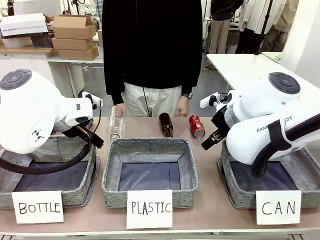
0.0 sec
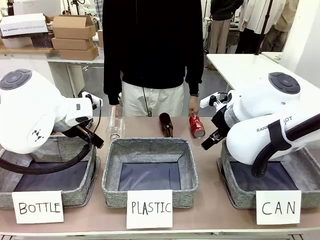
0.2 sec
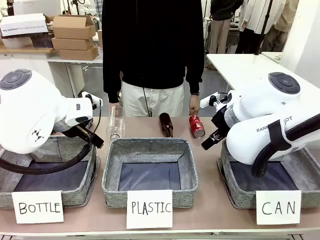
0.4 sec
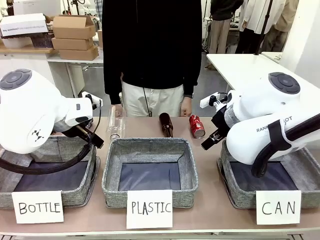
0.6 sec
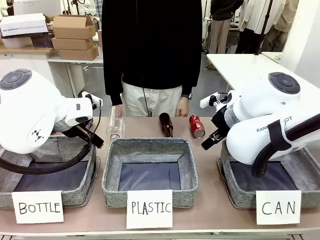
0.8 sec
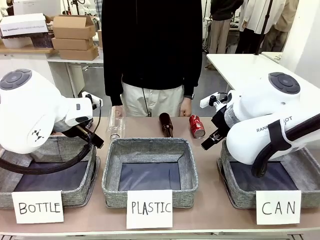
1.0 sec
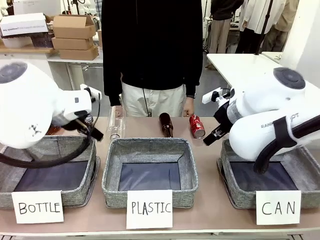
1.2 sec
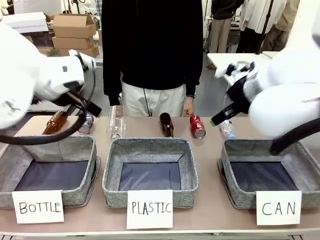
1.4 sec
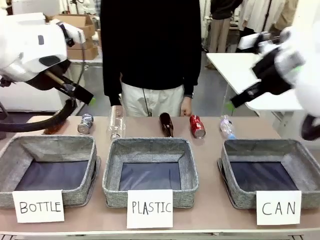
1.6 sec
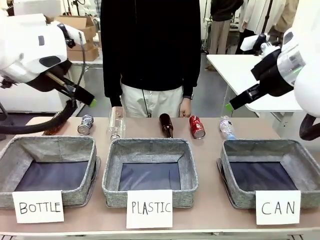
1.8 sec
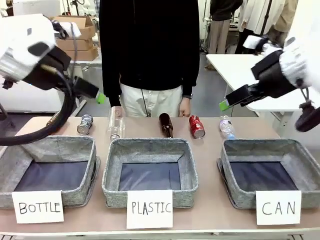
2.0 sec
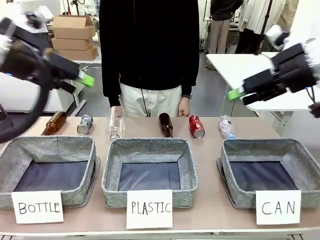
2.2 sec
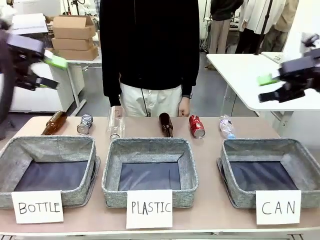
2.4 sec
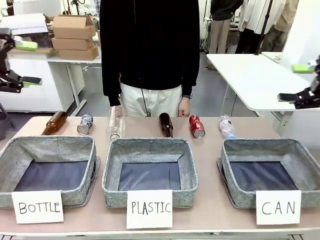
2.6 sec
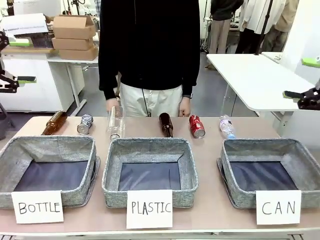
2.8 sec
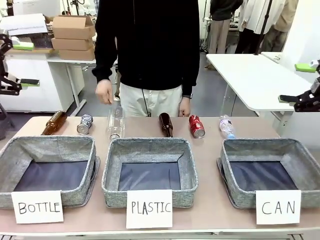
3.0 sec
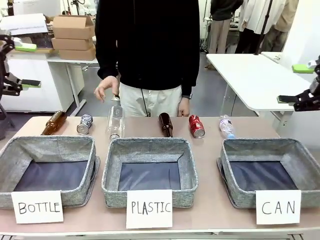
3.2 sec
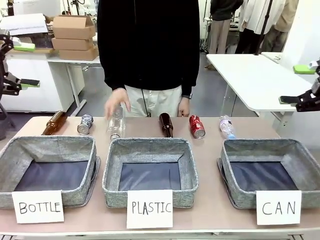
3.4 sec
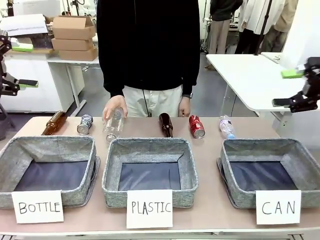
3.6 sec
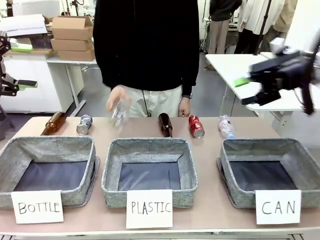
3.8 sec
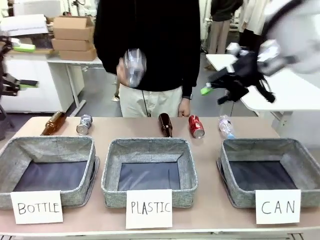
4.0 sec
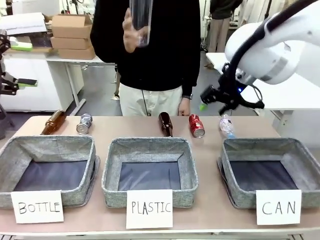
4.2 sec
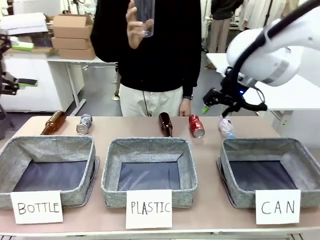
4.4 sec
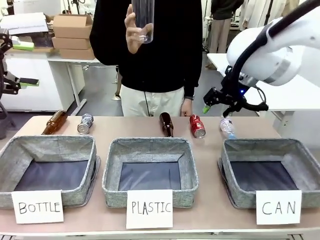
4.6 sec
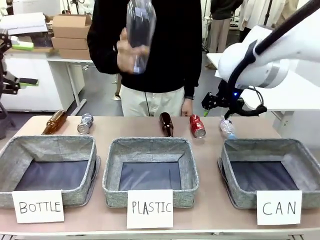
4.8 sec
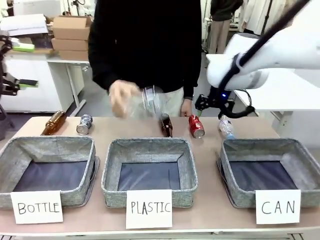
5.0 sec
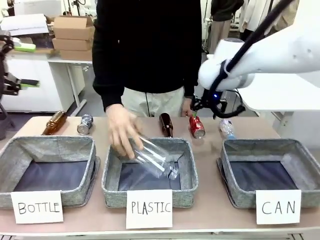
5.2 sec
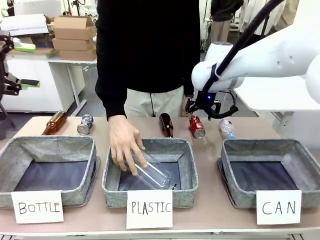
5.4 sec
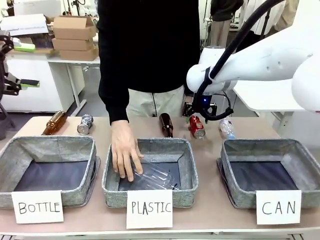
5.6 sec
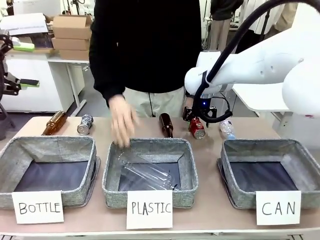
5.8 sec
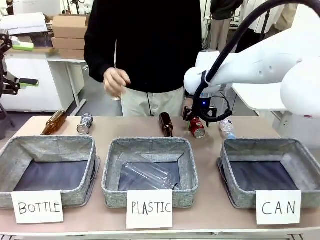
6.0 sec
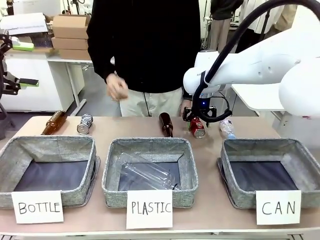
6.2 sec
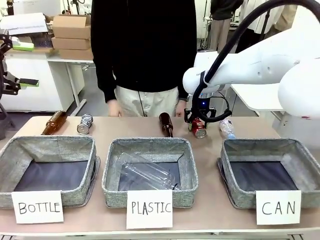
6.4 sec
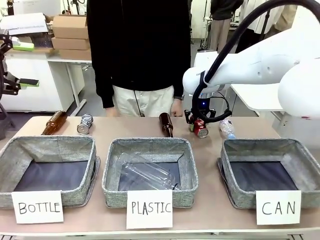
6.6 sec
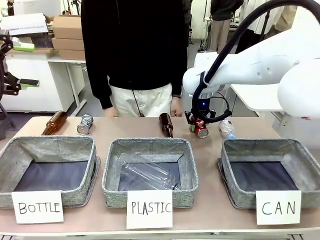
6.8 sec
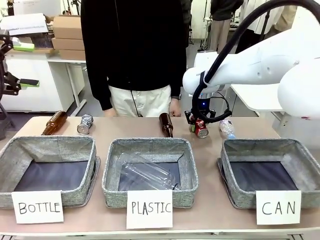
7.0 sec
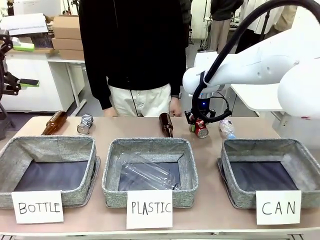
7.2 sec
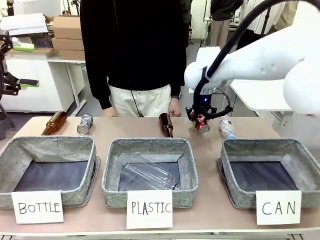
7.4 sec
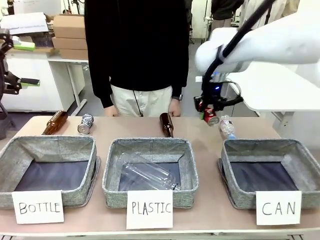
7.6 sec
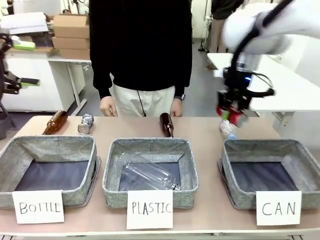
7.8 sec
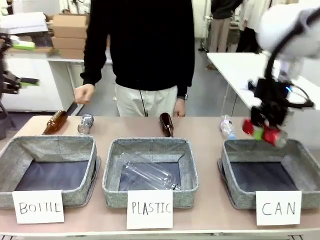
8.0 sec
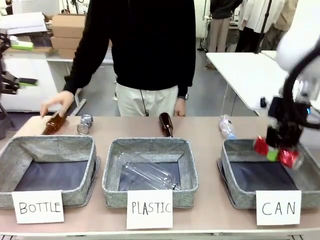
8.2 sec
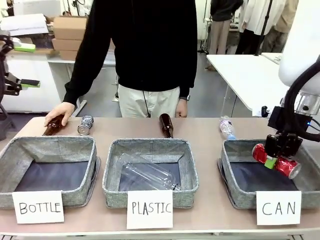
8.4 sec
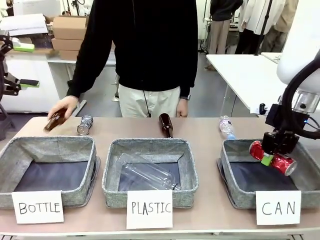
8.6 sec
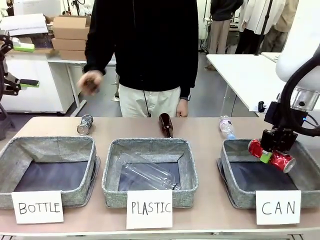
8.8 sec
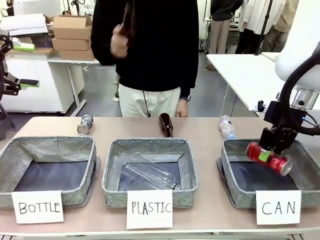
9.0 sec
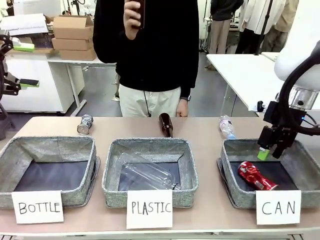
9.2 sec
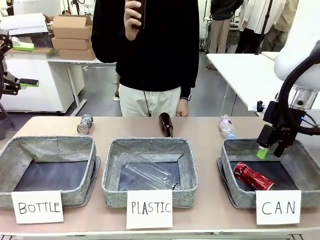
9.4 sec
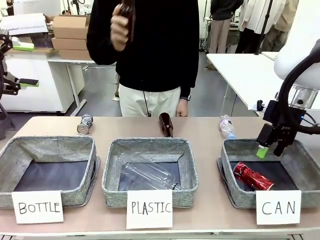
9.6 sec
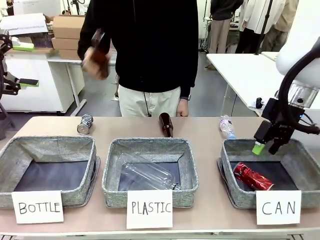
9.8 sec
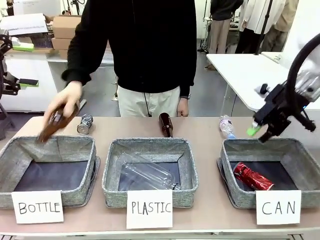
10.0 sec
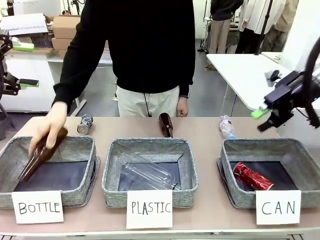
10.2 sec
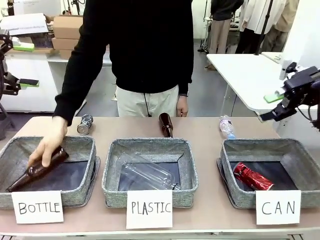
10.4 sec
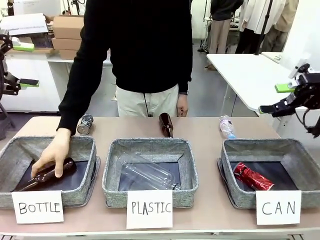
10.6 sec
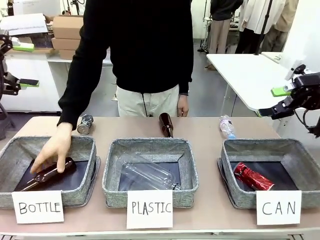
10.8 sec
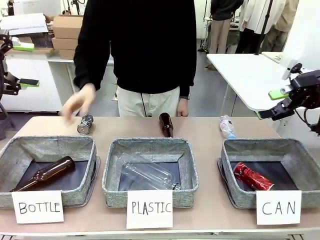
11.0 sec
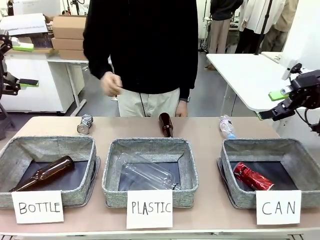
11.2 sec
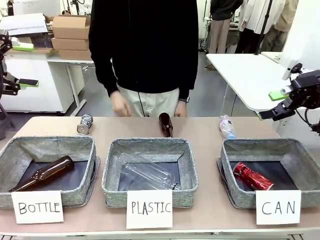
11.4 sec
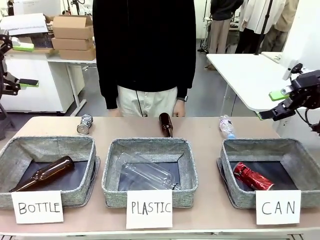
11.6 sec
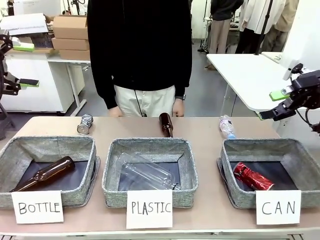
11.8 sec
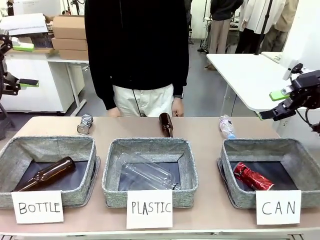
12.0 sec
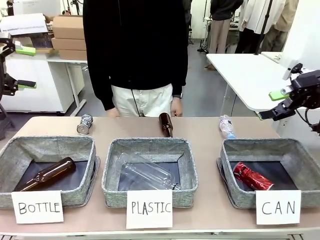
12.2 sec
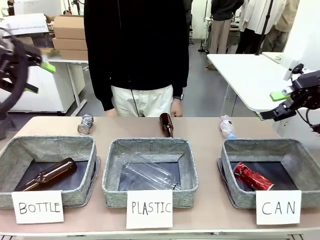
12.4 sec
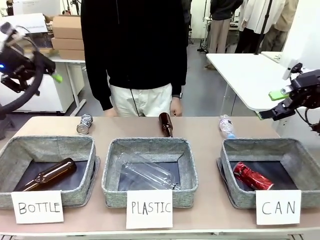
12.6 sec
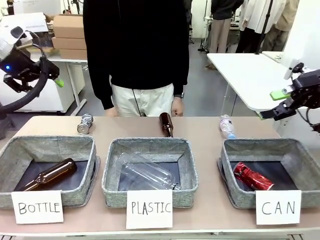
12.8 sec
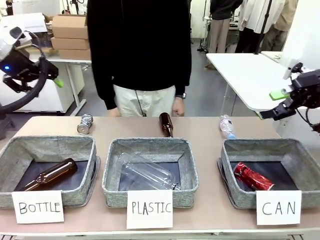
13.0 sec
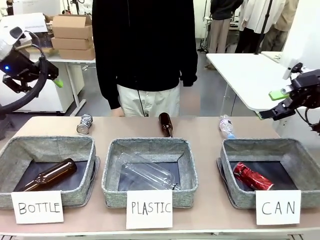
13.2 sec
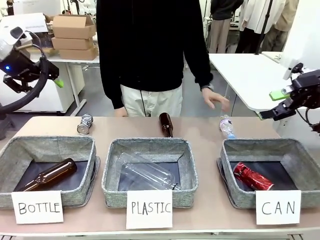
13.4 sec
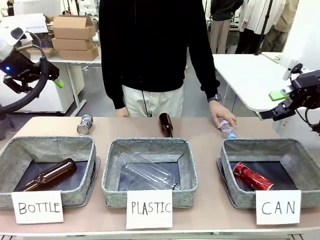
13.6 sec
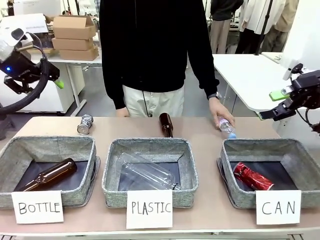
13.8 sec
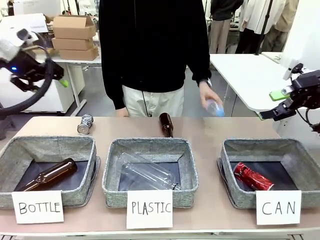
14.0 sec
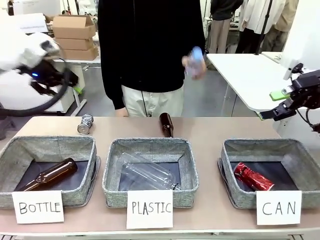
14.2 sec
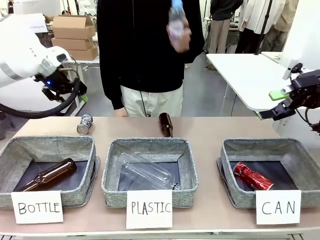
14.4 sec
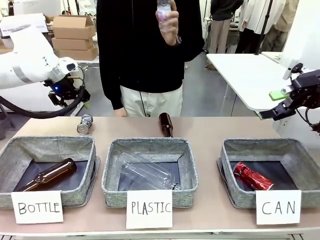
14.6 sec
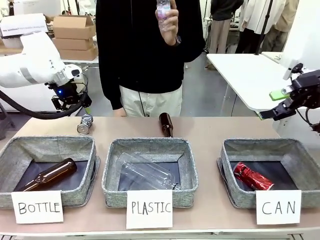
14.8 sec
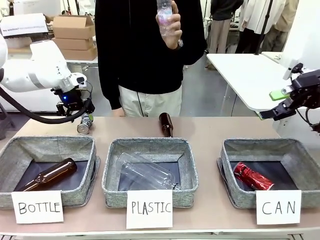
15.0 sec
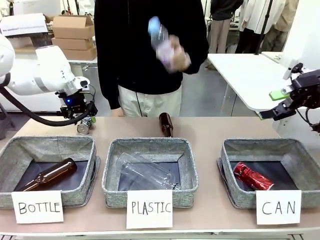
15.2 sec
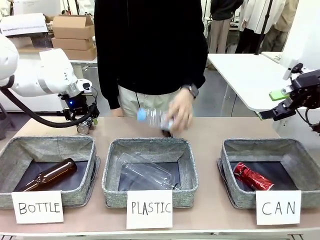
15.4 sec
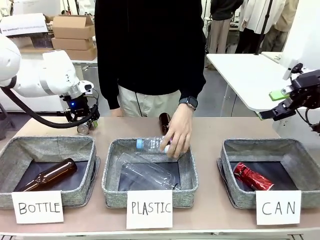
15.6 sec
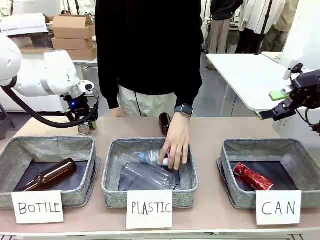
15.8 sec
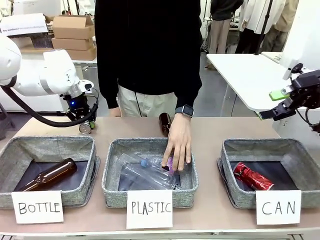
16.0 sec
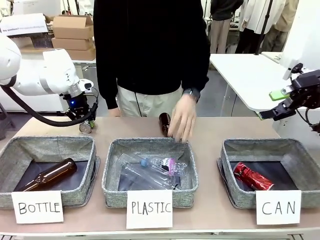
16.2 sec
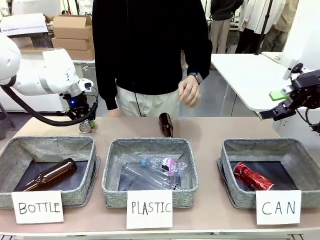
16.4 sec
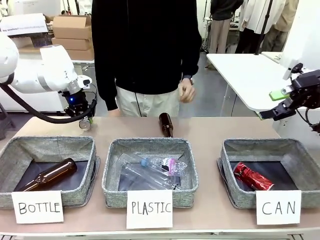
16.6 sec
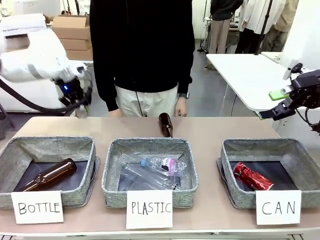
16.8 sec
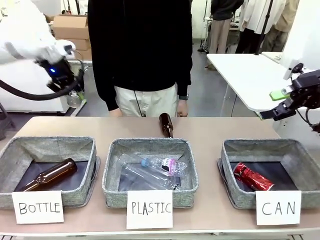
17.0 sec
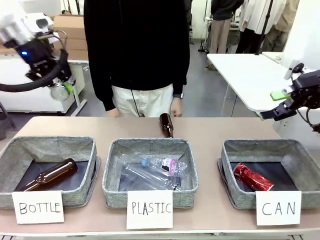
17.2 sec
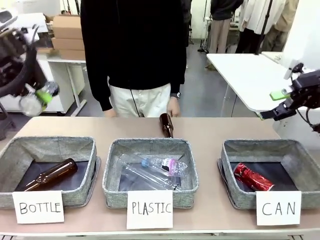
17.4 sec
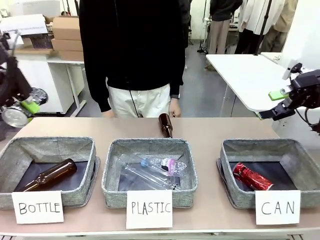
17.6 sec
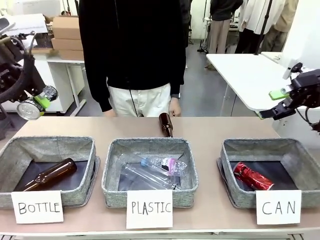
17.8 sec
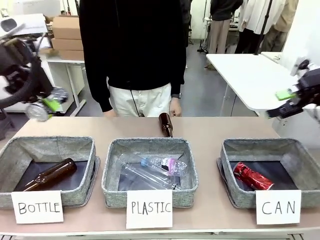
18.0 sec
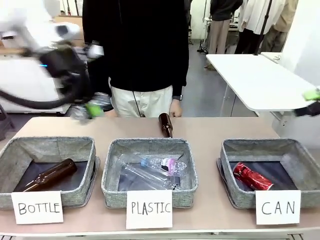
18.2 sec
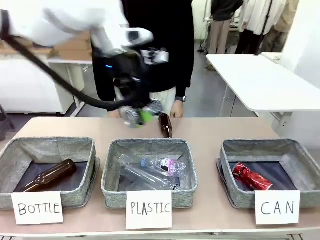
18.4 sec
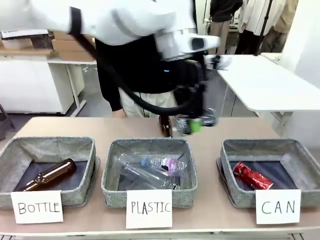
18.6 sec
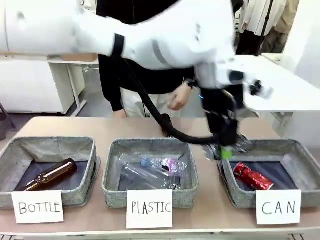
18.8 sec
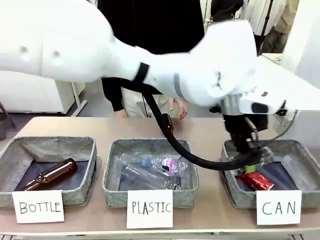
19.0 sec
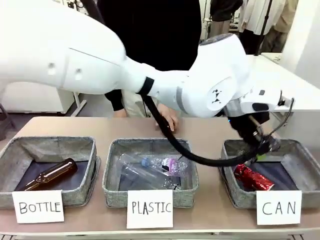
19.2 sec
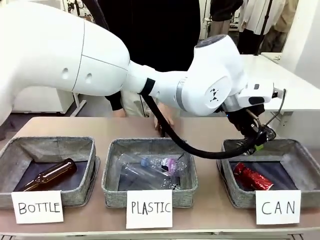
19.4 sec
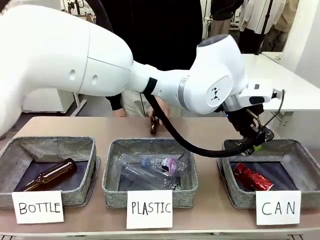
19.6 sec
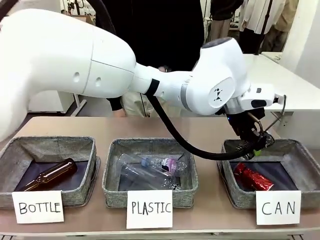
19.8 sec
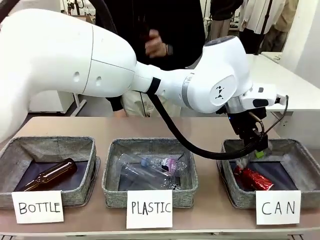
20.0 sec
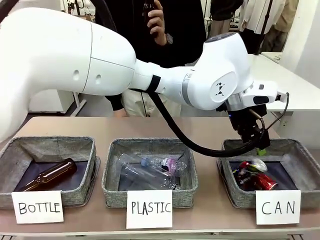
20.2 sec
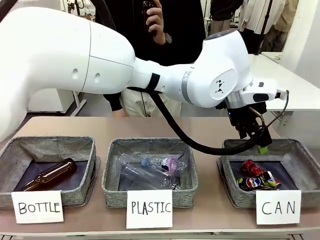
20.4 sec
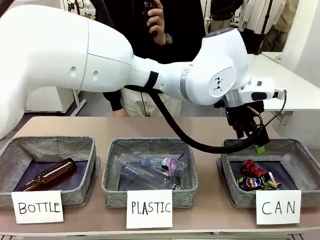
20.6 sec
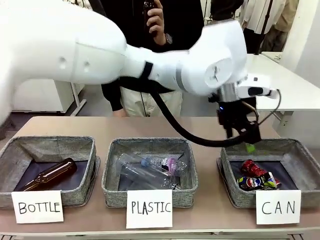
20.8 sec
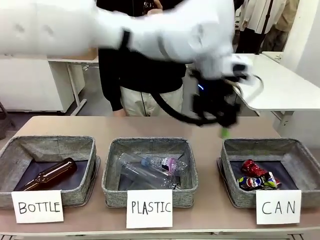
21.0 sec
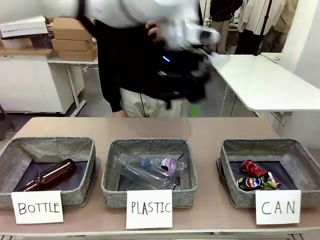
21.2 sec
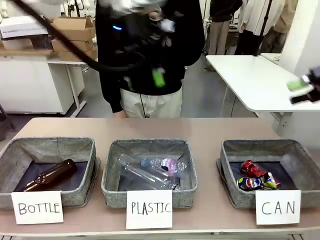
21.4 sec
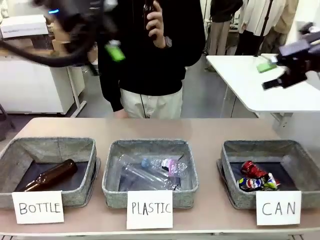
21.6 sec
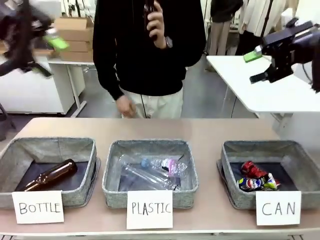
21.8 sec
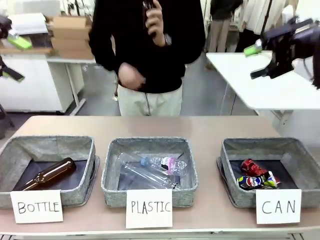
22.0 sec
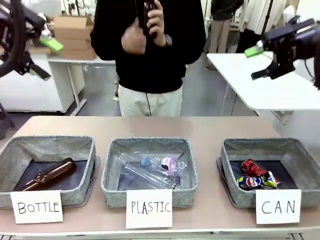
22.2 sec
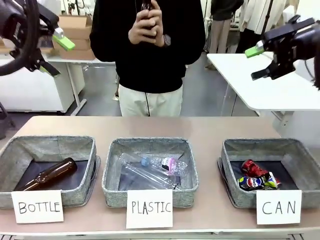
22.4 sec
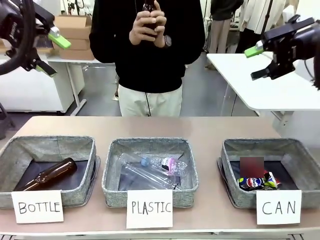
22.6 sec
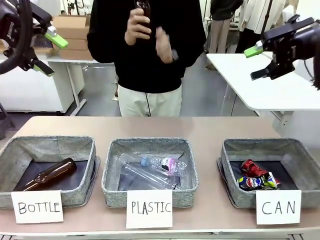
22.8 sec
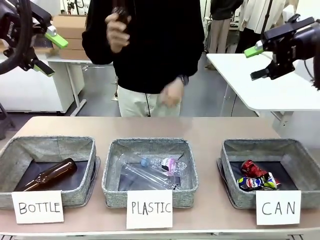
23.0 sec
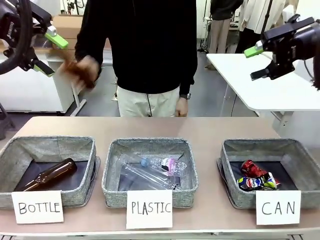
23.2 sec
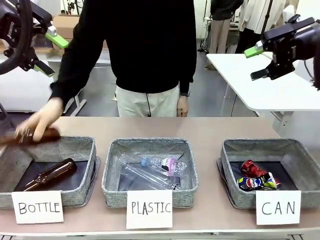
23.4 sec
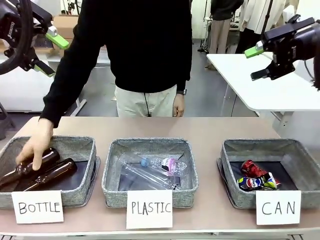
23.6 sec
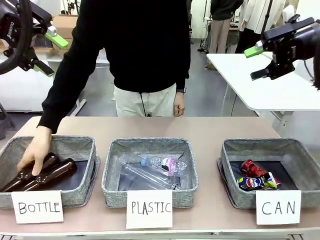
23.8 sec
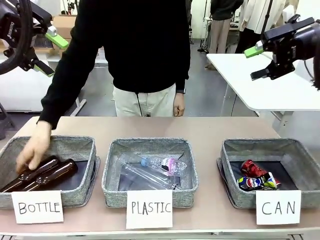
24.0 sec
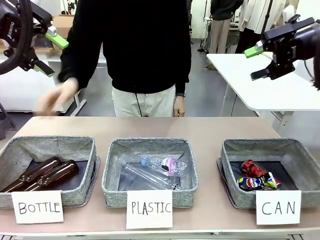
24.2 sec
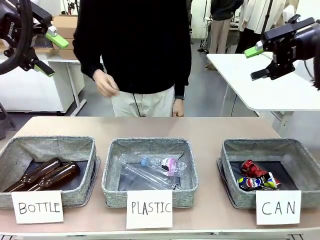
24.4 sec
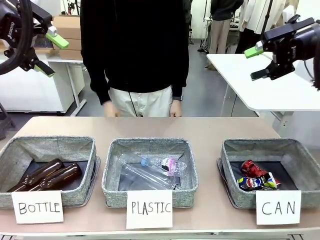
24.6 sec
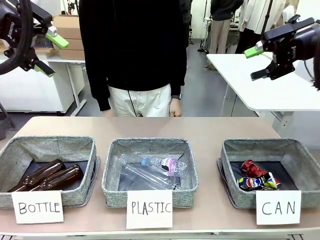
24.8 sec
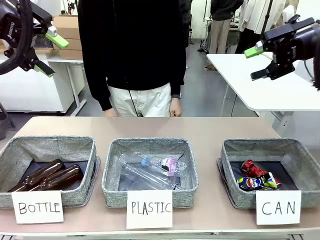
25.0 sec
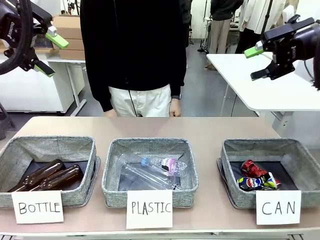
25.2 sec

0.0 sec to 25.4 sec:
Task: Sort the can waste into the basket.
Robot: Pick up the can waste from the table and place it in the right Fabric basket.
Person: The human picks up one piece of trash that is not a can and places the trash into the appropriate organizing basket.
